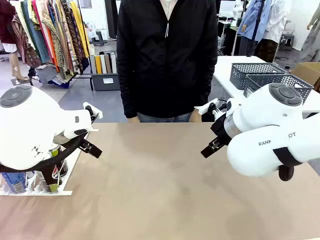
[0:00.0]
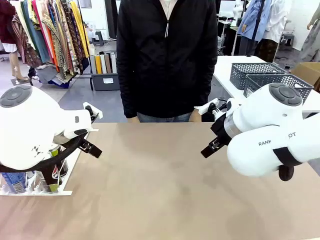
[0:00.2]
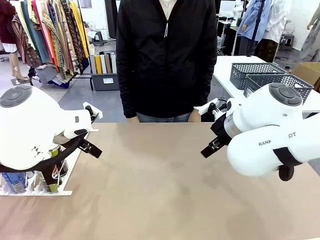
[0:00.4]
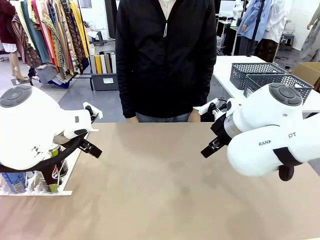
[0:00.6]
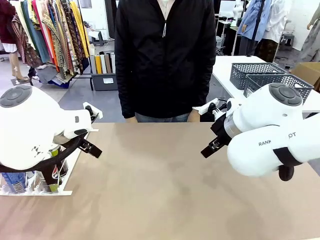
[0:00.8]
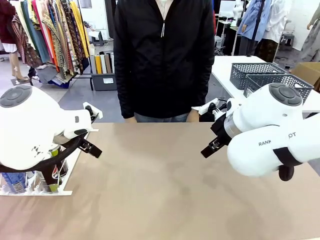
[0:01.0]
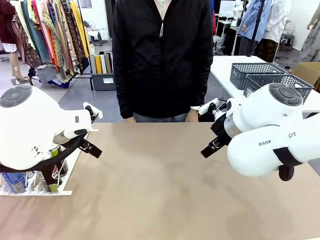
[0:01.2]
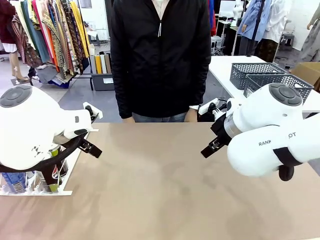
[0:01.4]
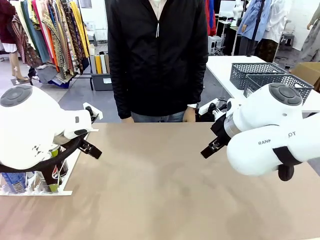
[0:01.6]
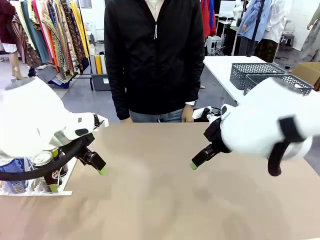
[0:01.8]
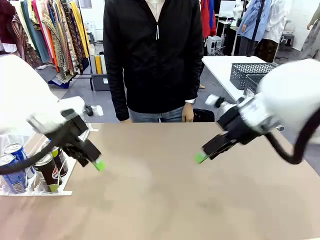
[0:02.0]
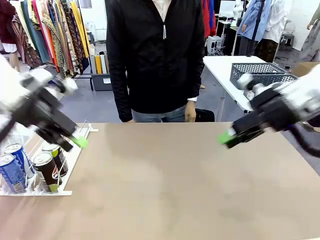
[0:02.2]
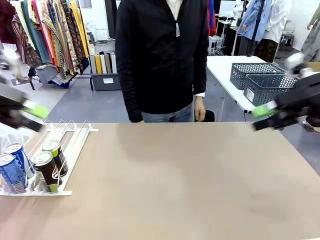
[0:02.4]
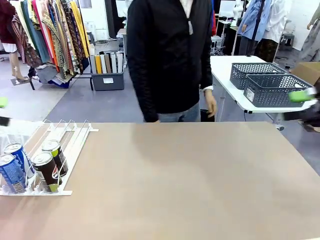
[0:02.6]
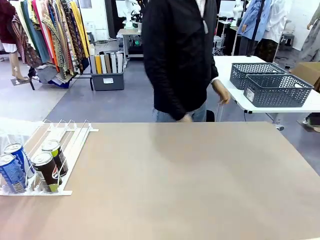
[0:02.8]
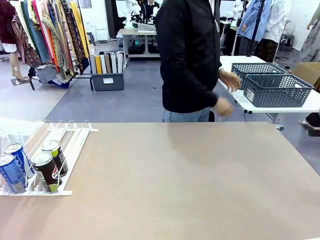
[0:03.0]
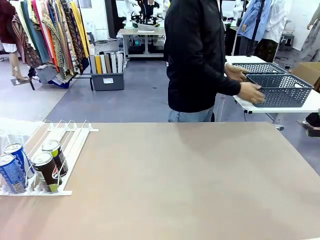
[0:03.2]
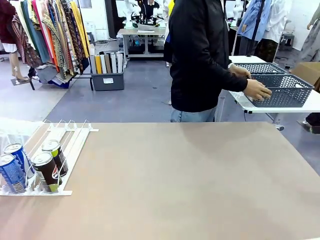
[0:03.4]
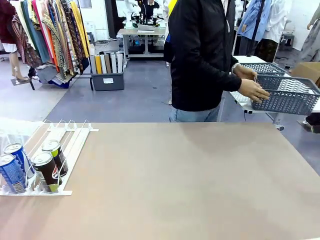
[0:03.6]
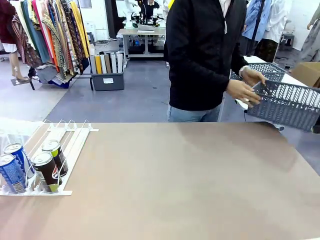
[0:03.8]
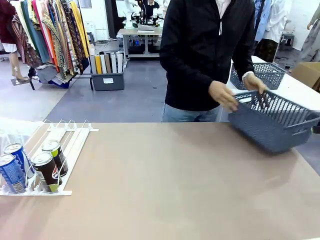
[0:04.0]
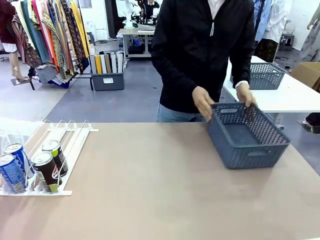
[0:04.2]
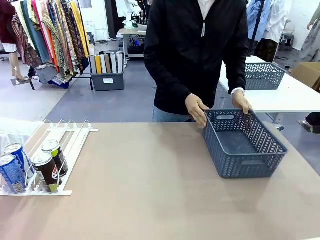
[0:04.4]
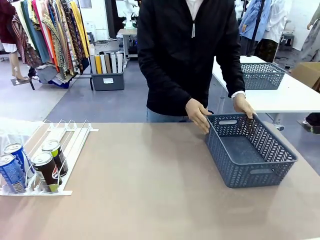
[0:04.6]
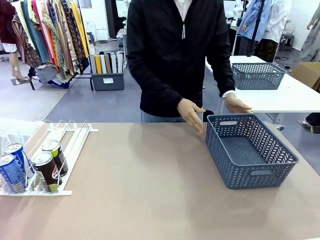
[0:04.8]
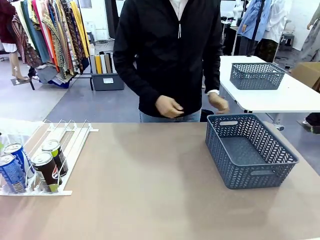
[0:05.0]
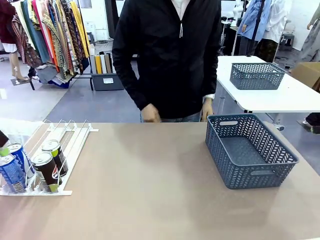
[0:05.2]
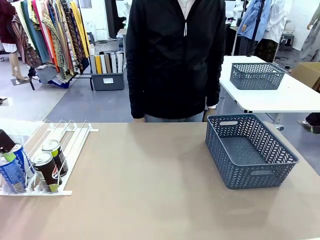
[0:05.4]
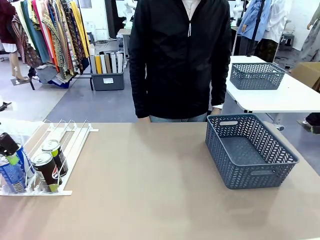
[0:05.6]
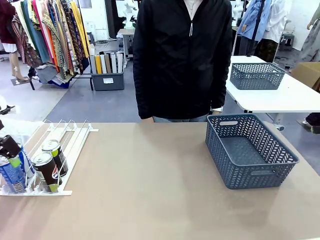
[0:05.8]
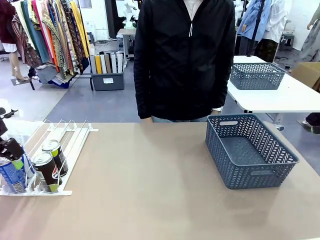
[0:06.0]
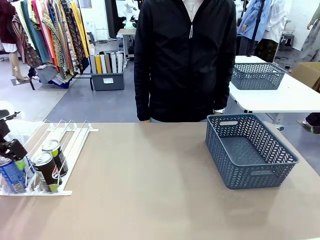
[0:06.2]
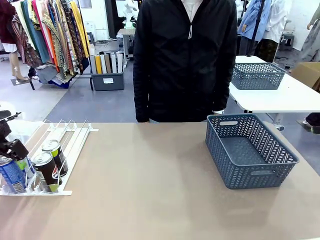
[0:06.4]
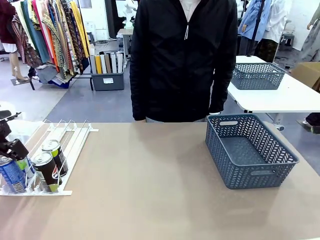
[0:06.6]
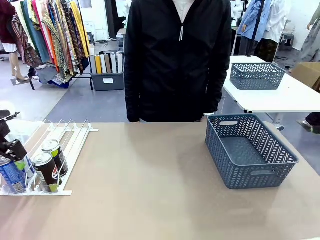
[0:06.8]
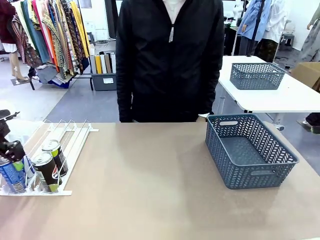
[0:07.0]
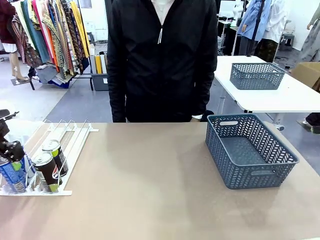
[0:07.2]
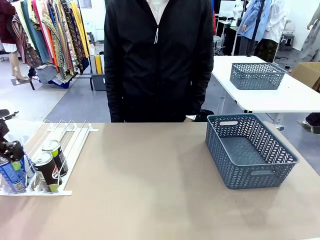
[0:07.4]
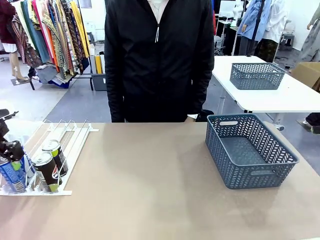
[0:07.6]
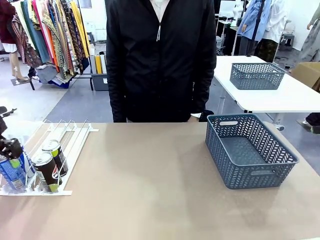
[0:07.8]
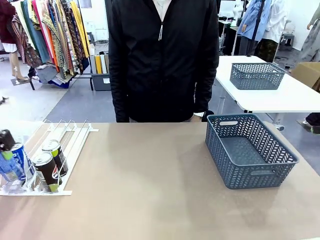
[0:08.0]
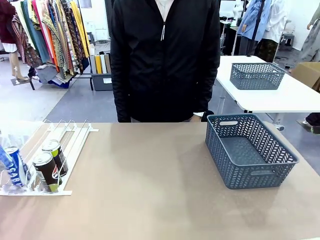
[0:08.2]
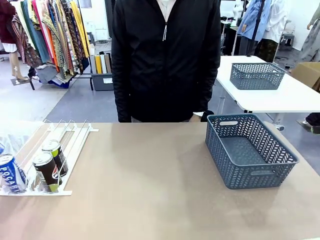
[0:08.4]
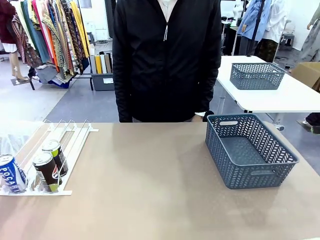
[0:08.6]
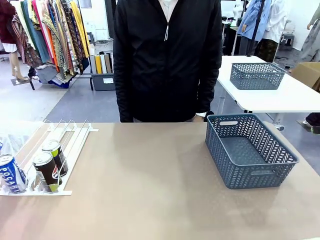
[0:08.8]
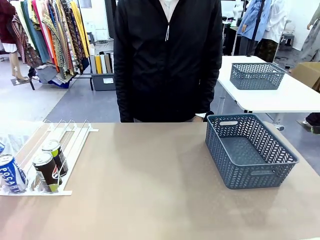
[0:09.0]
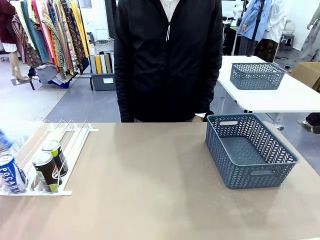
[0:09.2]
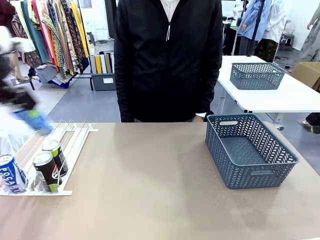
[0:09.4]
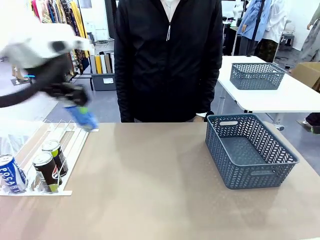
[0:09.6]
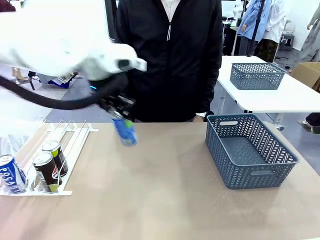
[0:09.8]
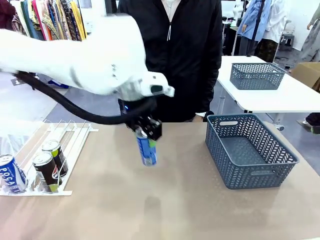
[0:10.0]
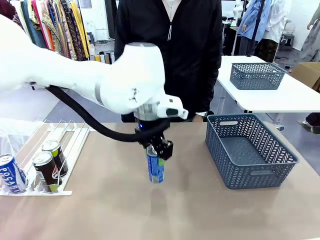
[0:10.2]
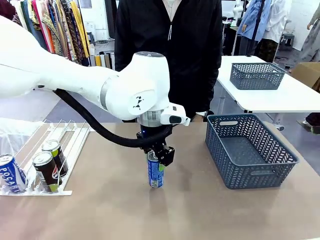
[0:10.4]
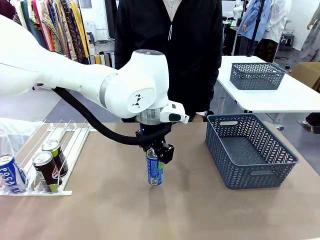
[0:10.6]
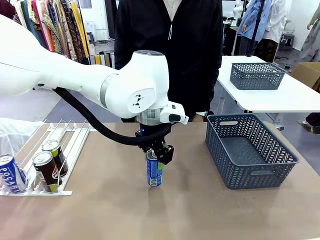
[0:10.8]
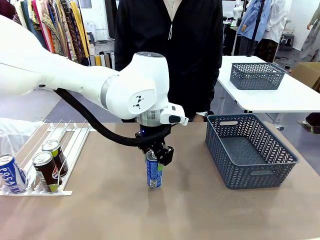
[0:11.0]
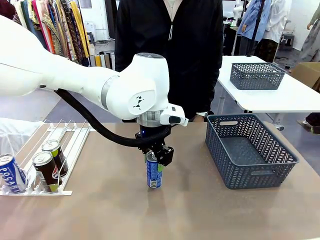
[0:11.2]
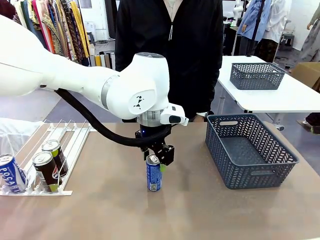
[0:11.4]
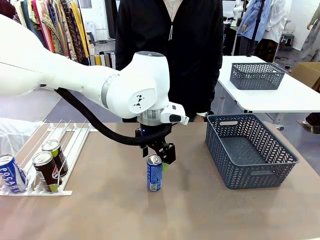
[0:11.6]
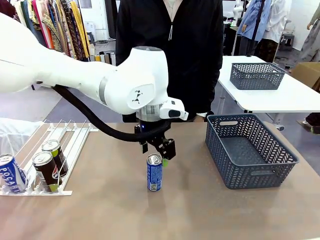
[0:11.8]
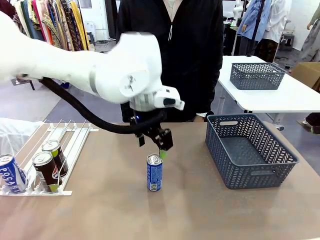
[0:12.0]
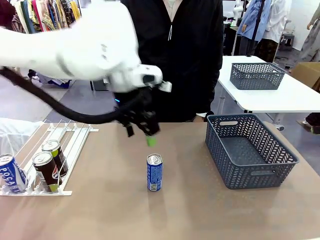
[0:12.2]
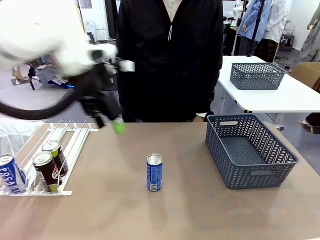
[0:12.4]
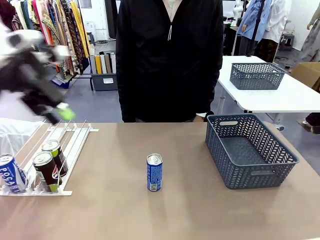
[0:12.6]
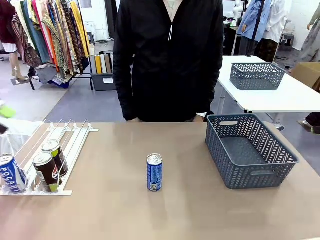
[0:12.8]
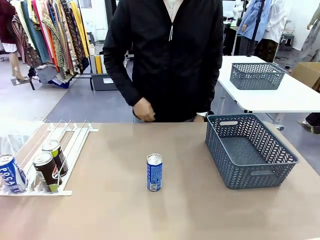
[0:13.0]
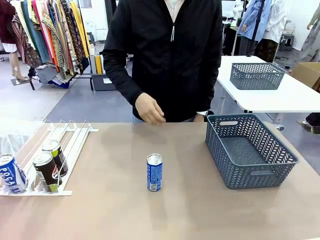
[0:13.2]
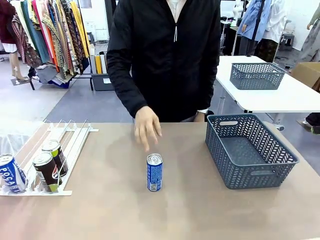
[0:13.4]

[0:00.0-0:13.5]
Task: Retrieve and store the cans from the dispenser.
Robot: Pick up one can from the Automatic Can Dispenser and place it in the middle of the table.
Person: Pick up the basket and place it on the left side of the robot table.

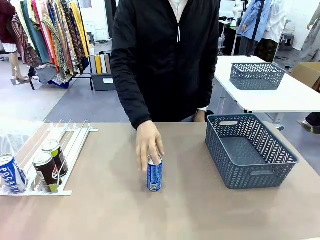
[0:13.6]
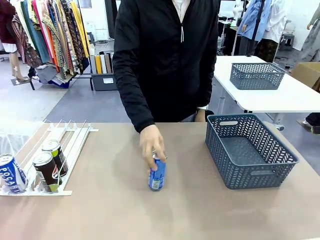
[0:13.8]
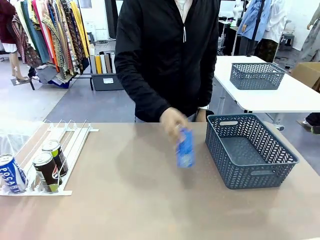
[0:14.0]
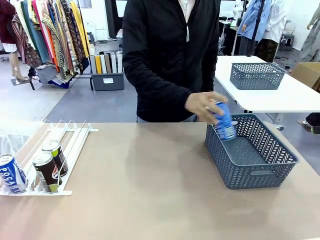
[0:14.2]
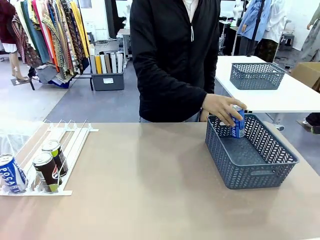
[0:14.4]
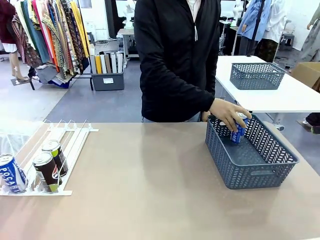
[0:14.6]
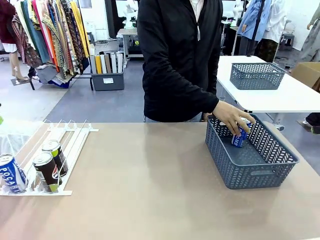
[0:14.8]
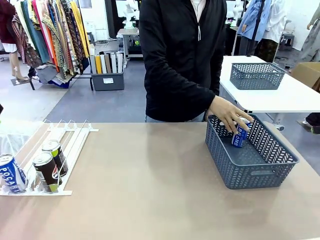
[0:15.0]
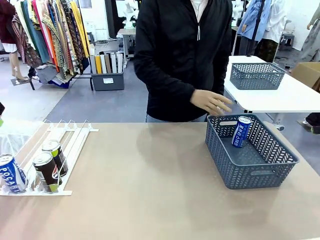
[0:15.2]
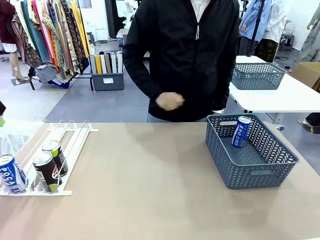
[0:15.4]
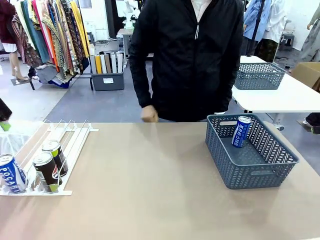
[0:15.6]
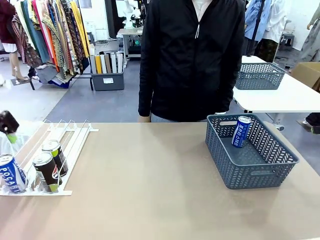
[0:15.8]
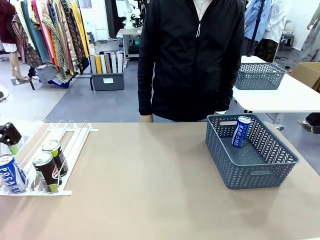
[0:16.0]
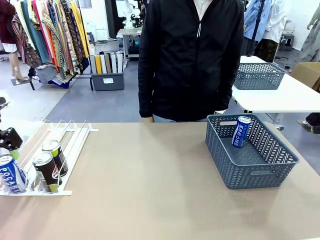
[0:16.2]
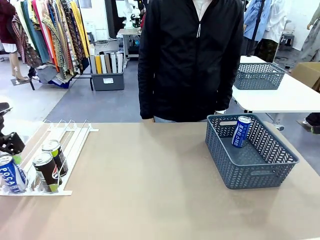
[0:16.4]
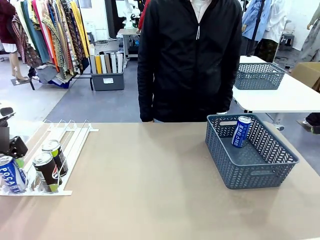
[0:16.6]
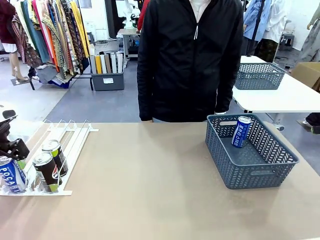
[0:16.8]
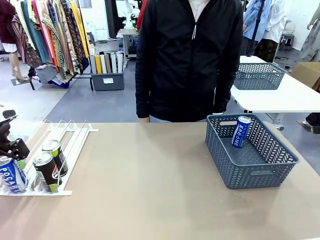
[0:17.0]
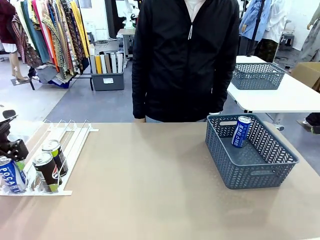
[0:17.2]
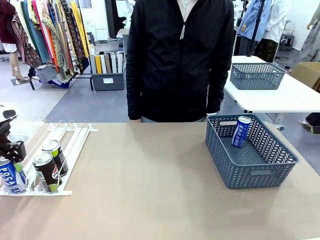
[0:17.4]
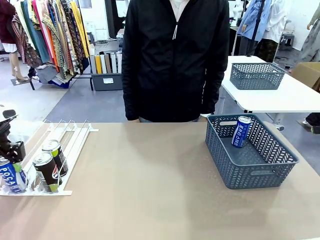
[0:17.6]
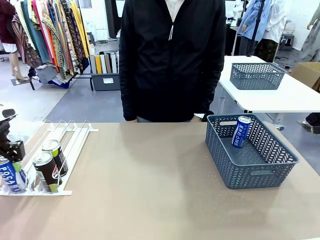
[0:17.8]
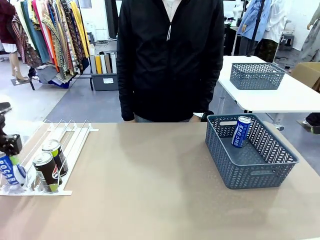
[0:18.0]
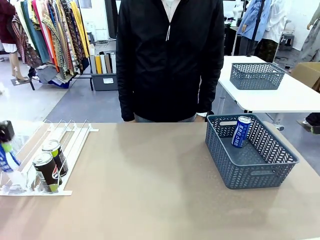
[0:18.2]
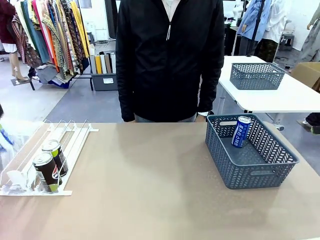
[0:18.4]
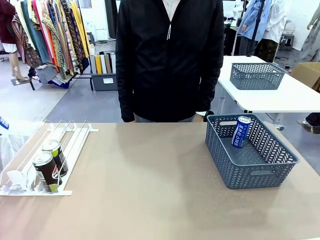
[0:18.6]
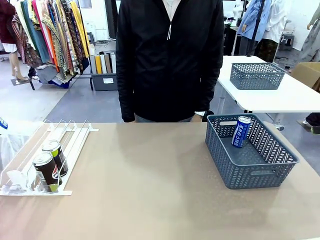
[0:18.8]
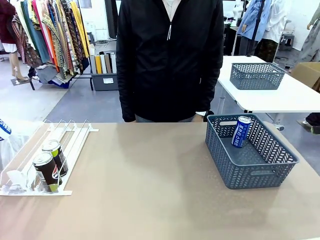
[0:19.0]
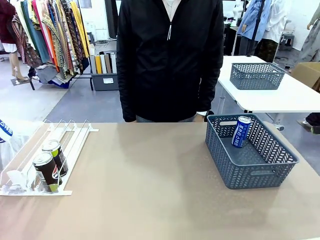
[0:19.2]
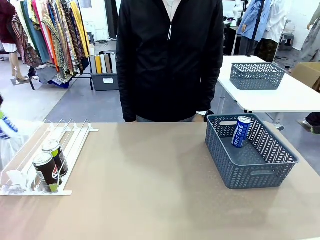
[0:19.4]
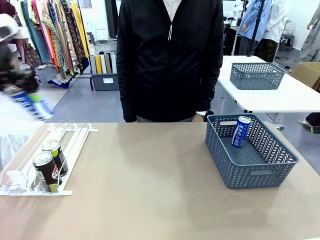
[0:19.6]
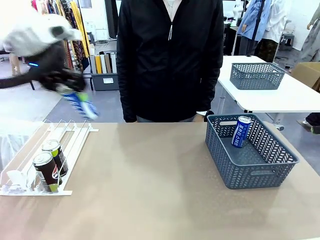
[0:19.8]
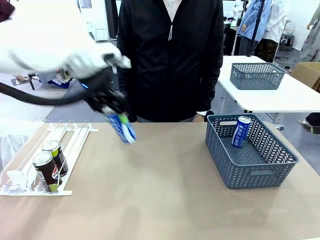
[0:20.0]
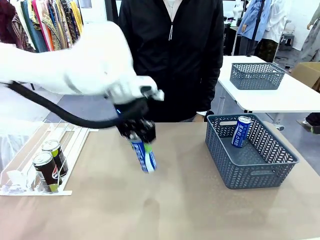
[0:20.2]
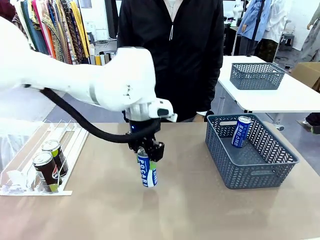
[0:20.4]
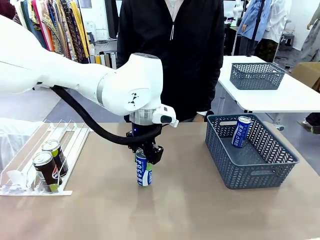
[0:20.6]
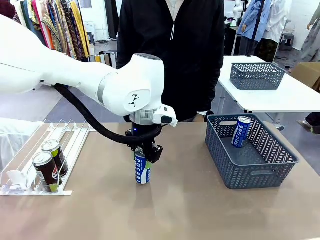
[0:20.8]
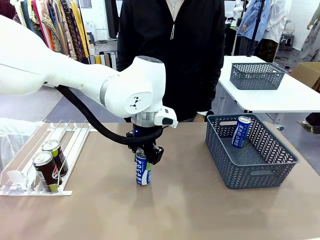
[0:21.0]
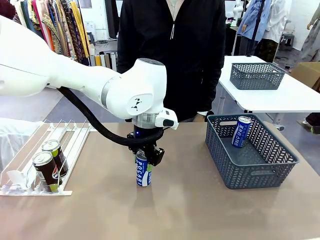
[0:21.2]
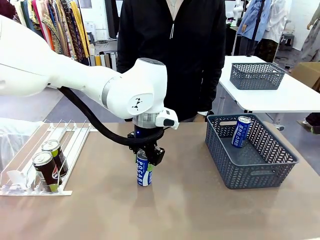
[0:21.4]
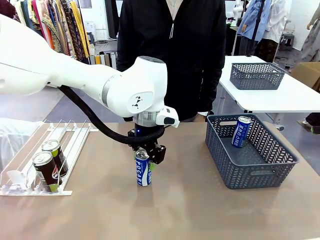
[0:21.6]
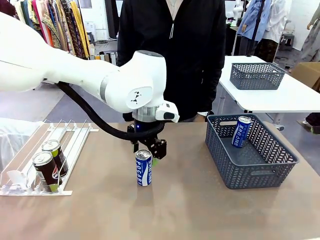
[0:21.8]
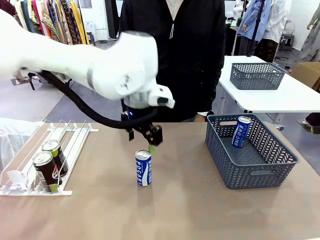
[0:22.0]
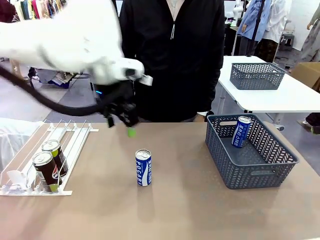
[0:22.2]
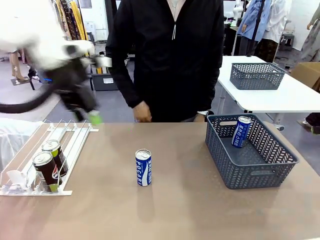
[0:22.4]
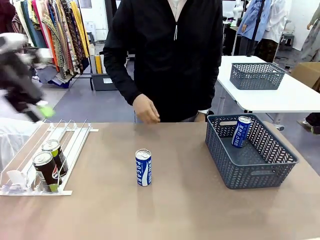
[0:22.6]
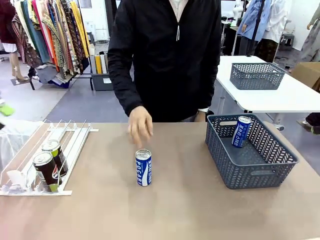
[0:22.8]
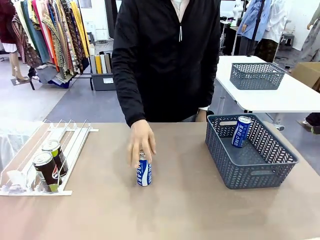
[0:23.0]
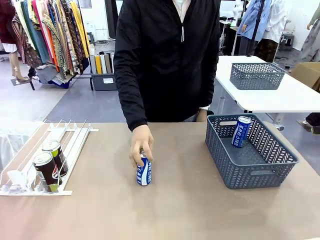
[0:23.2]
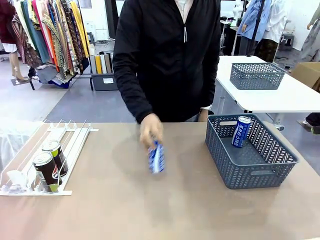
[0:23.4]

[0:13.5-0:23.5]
Robot: Pick up the last remaining can from one row of the Automatic Can Dispenser and place it in the middle of the table.
Person: Pick up one Pepsi can from the middle of the robot table and place it in the basket.
